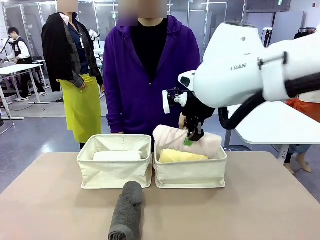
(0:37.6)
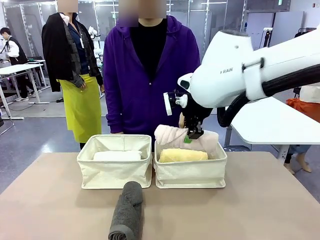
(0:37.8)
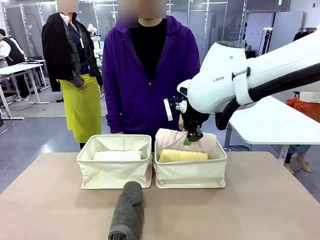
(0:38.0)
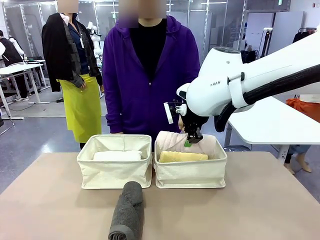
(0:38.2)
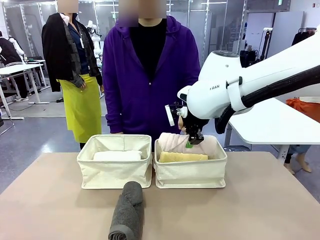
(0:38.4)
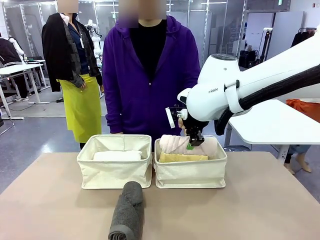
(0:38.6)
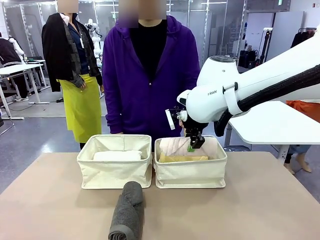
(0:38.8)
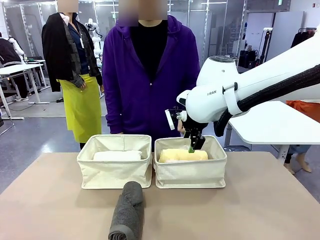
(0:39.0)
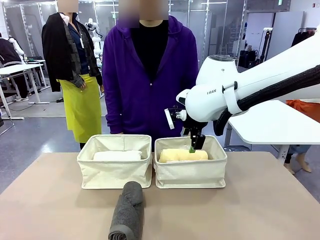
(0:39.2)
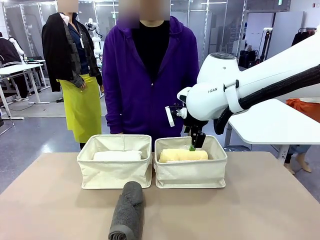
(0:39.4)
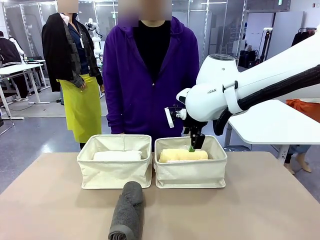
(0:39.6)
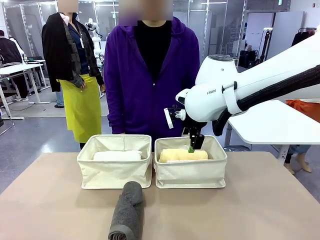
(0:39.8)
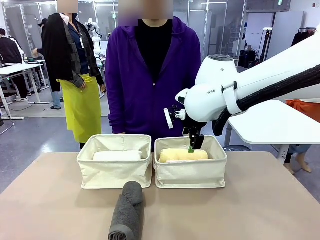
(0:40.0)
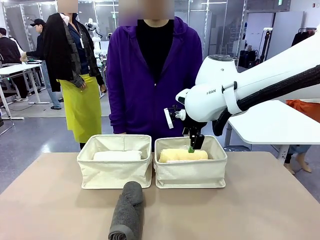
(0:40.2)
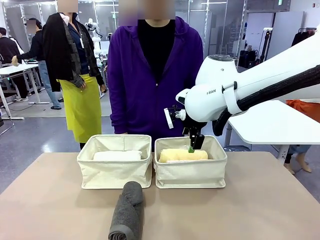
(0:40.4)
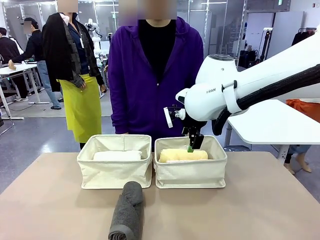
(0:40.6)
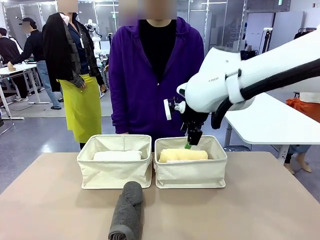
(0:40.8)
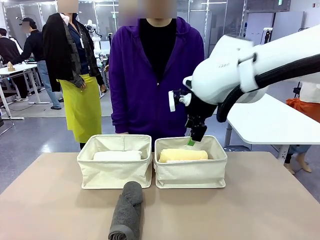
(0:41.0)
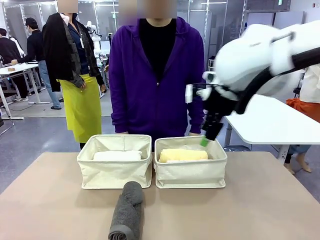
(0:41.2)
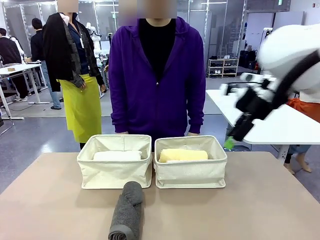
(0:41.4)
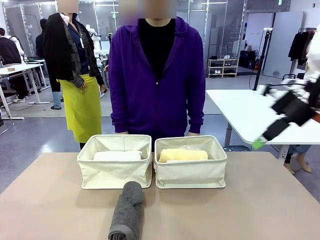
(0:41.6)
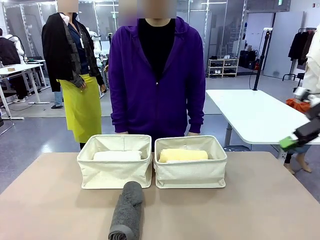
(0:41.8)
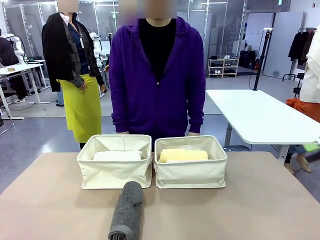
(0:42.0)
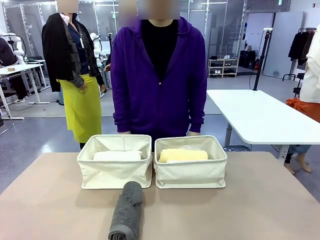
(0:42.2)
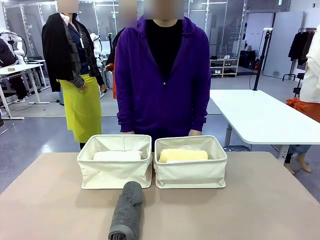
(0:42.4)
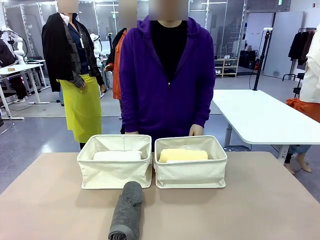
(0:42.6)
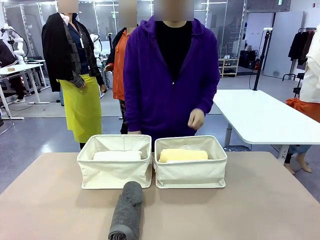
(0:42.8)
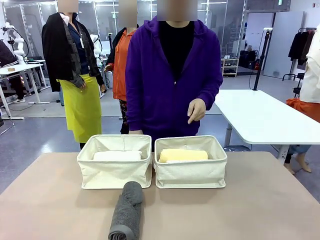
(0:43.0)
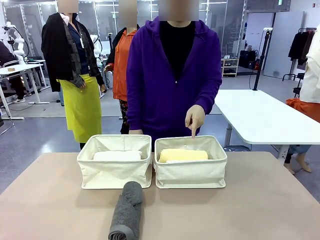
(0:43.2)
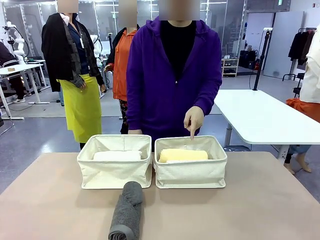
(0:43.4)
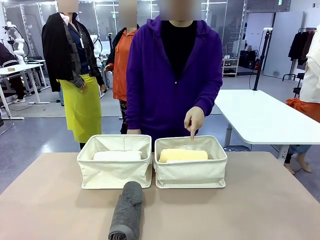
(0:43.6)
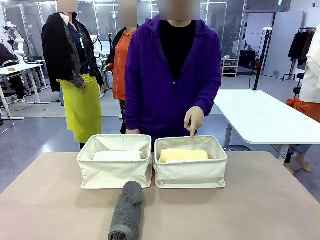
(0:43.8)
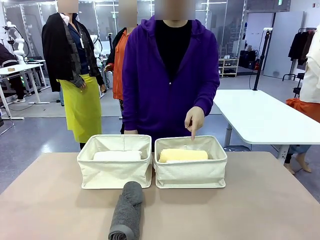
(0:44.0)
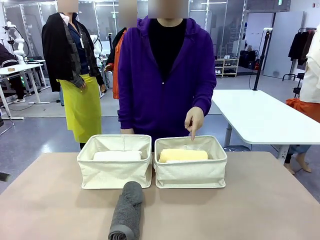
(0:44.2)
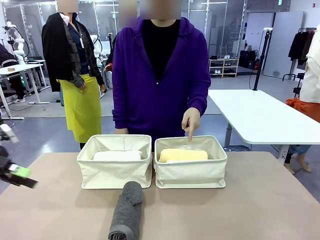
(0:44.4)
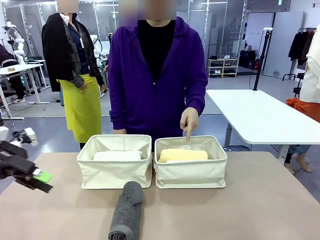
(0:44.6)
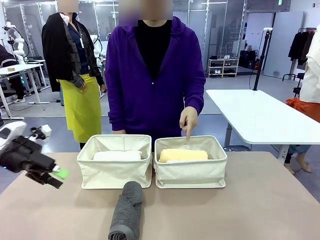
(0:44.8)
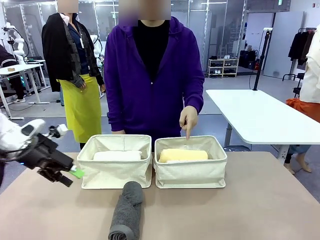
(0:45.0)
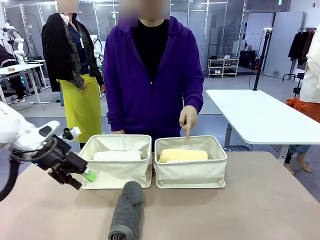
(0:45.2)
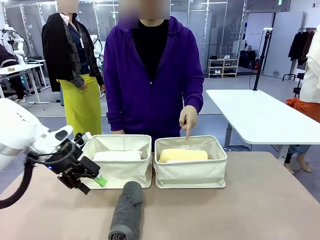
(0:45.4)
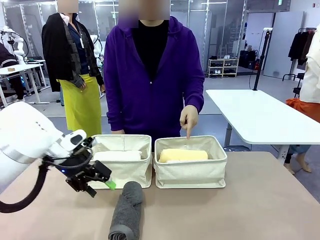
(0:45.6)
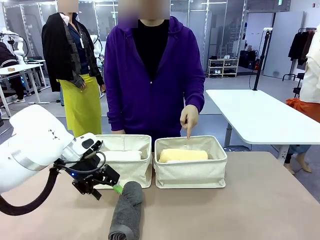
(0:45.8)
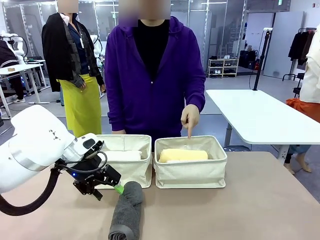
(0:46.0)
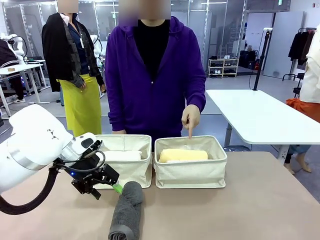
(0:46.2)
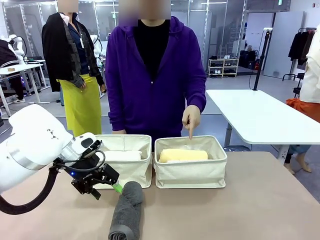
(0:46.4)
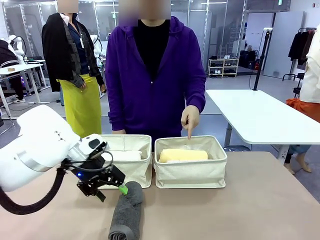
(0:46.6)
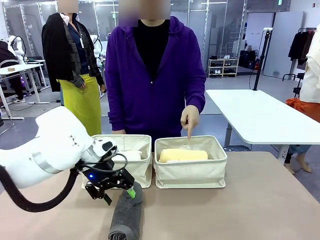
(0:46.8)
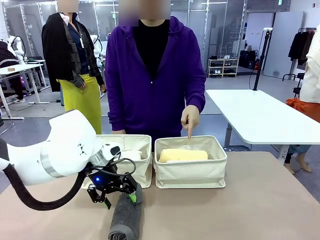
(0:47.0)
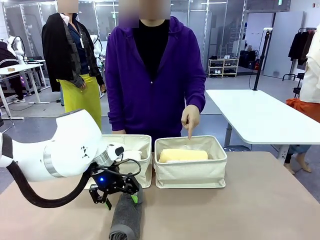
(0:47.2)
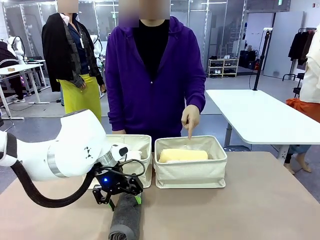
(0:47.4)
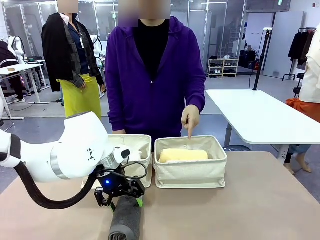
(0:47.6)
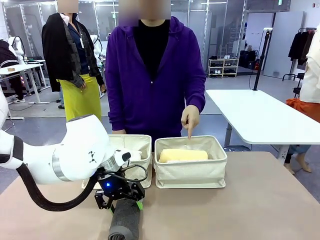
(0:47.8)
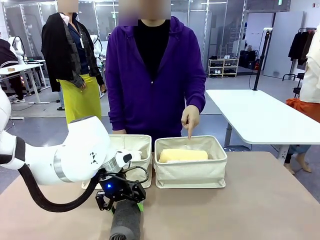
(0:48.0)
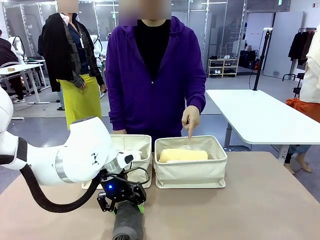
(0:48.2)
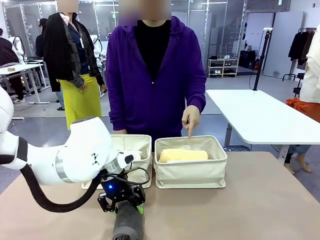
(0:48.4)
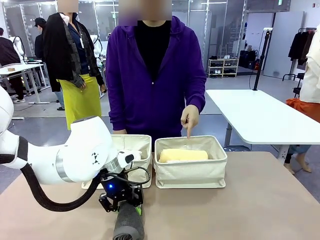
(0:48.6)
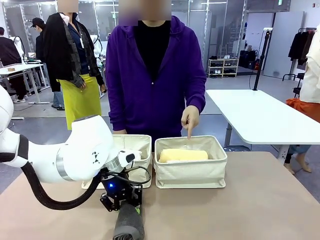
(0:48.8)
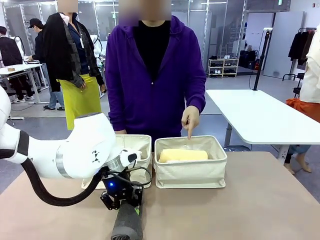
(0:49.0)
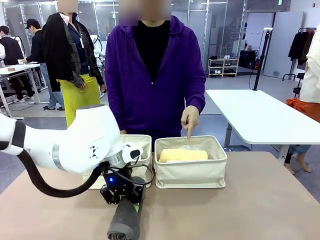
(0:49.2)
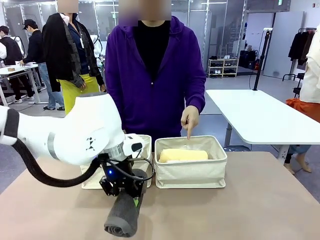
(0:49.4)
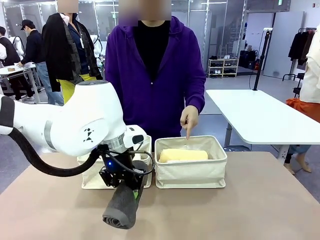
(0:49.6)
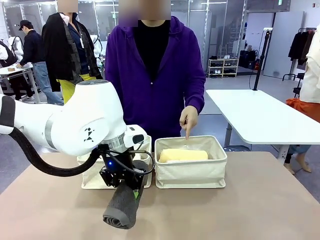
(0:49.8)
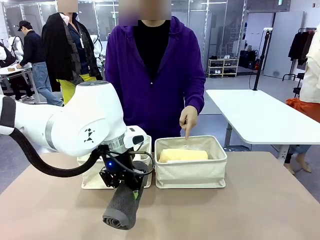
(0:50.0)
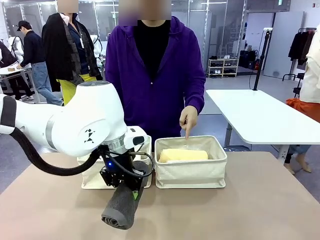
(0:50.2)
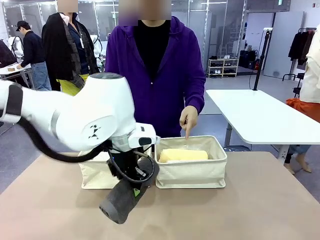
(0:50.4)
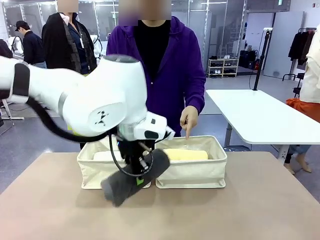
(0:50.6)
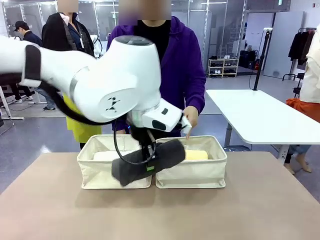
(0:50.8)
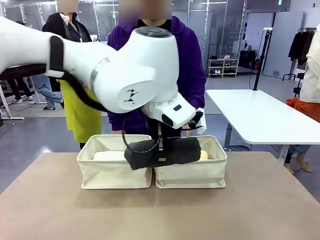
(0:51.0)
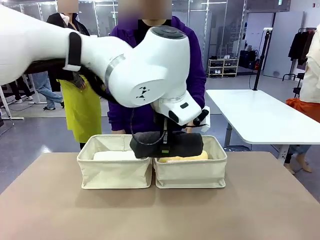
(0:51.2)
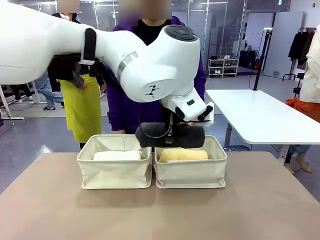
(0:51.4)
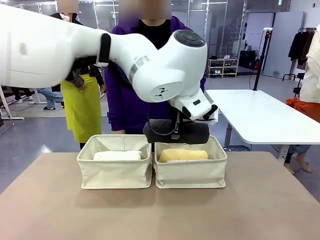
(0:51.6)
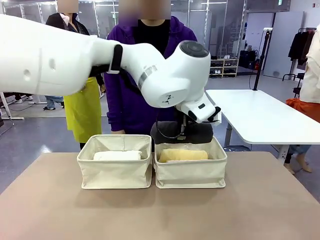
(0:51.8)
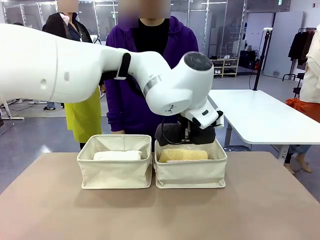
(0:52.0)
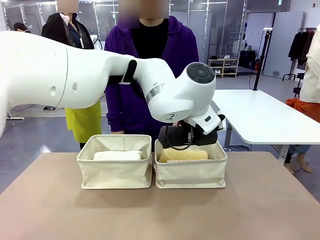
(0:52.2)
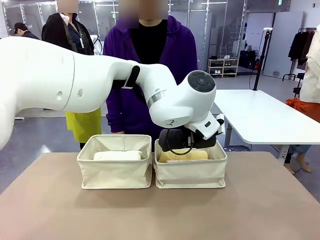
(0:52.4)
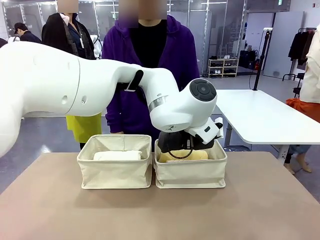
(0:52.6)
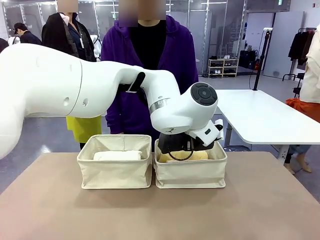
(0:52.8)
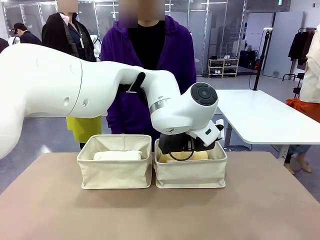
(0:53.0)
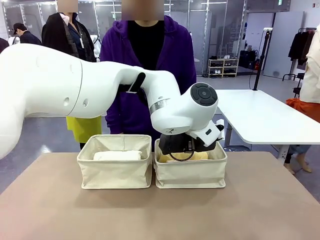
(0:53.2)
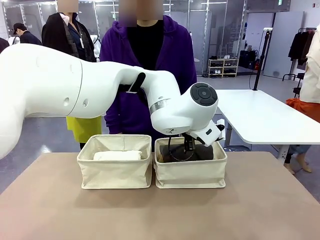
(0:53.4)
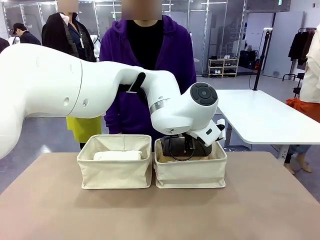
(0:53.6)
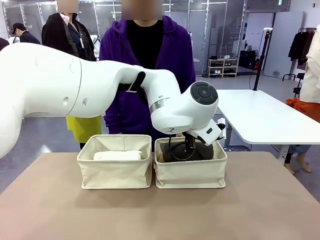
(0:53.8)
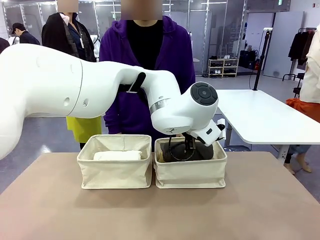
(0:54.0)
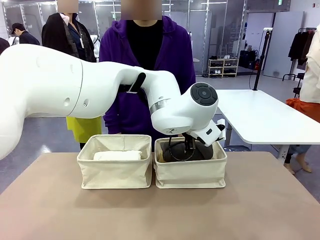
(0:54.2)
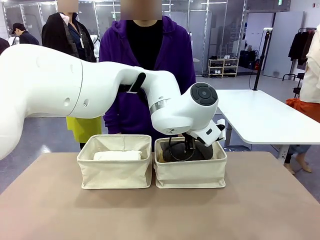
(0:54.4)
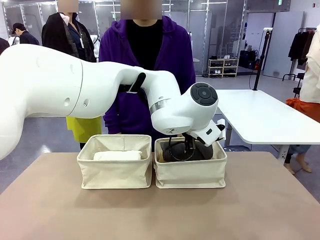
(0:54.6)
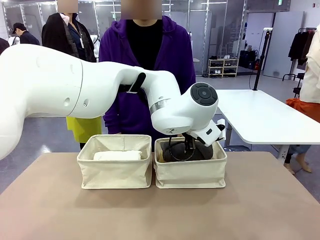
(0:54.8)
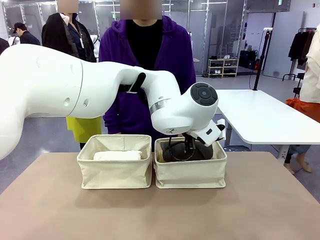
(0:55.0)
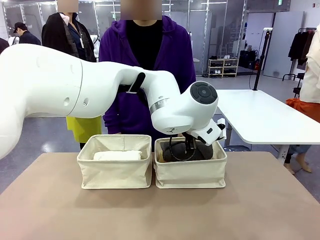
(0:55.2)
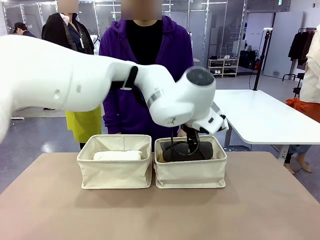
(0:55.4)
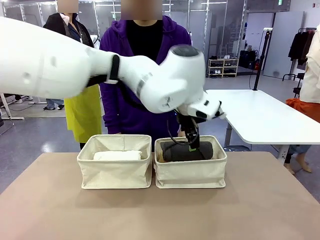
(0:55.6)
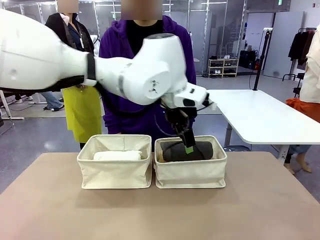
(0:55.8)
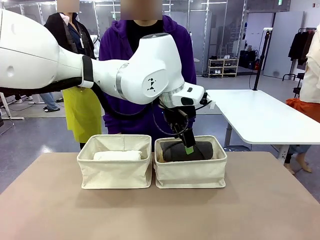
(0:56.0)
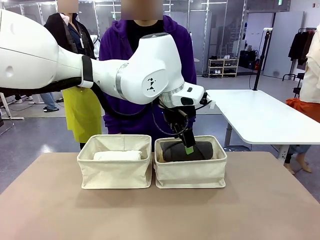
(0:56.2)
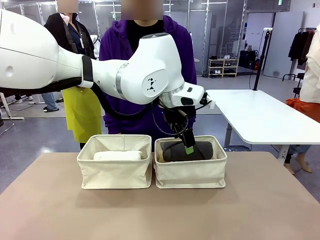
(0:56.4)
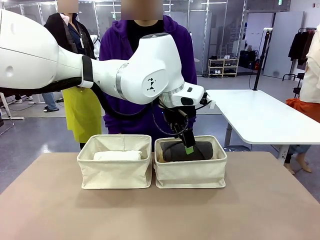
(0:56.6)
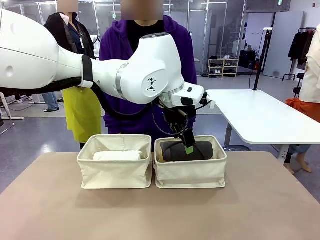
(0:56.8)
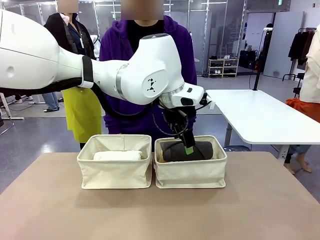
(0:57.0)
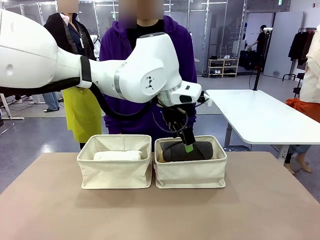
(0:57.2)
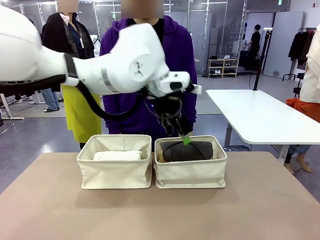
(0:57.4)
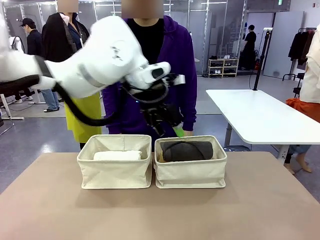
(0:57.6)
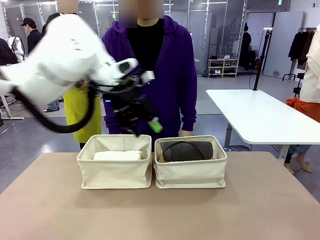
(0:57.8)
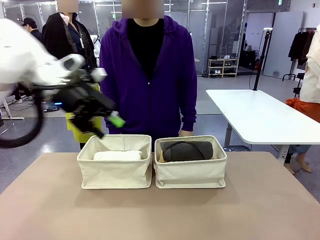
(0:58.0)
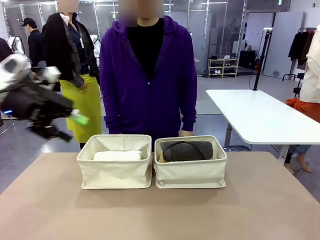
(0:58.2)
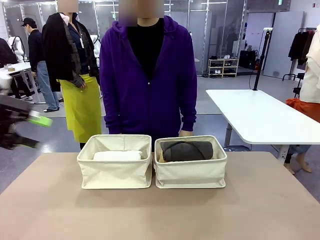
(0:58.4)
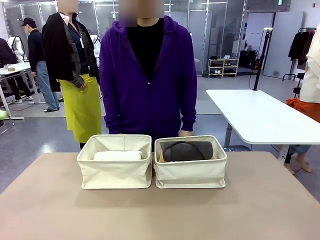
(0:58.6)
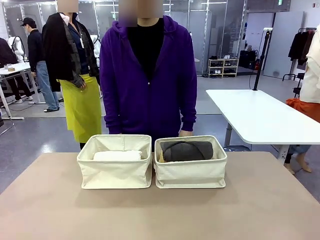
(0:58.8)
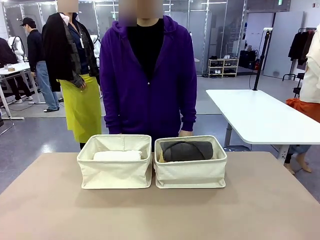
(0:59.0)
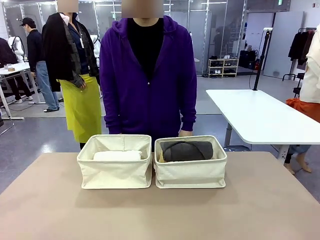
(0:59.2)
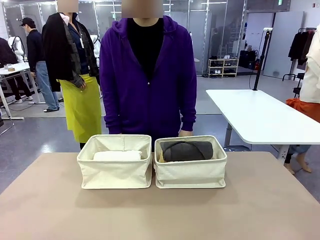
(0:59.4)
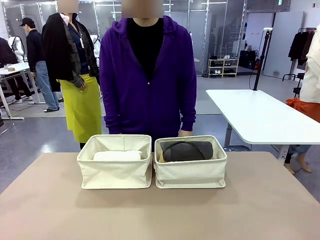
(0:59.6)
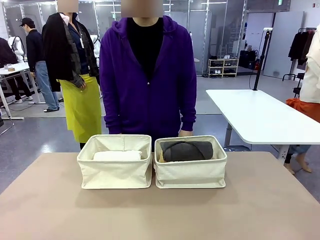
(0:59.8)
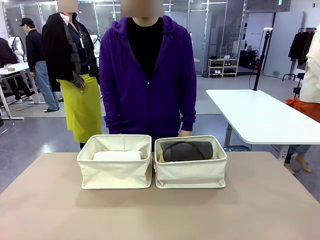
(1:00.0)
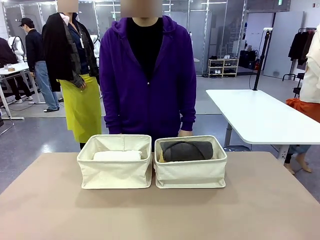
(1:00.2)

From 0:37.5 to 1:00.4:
Task: Divide the towels into two baskets.
Robot: Pick up one hotel-folded towel from the bottom of the table and place it in the Fabric basket indicated by the person.
